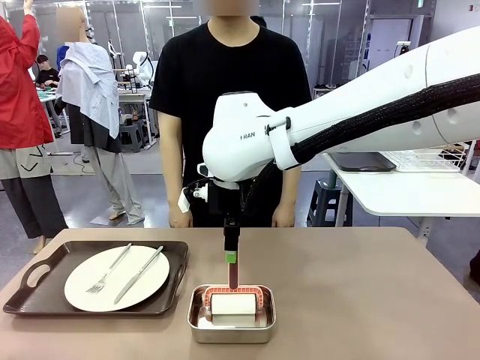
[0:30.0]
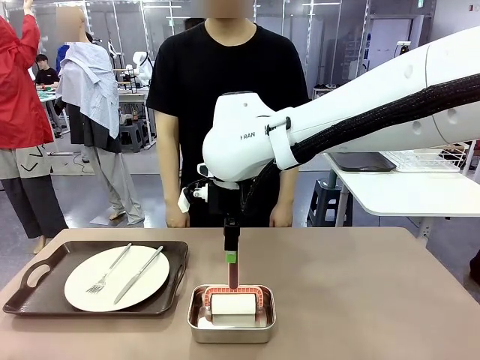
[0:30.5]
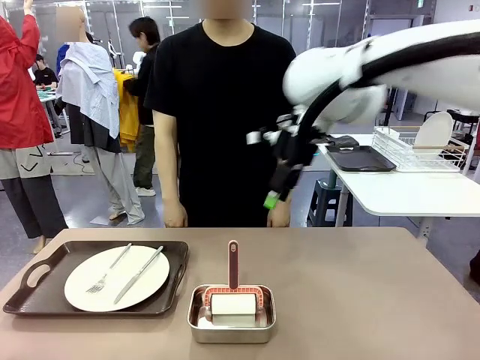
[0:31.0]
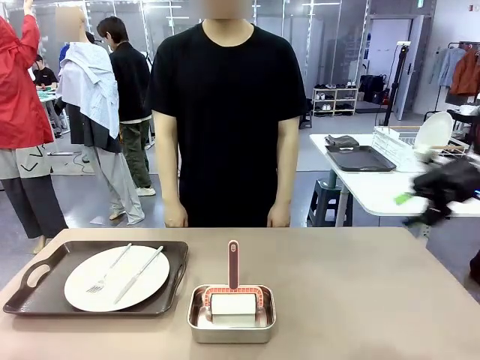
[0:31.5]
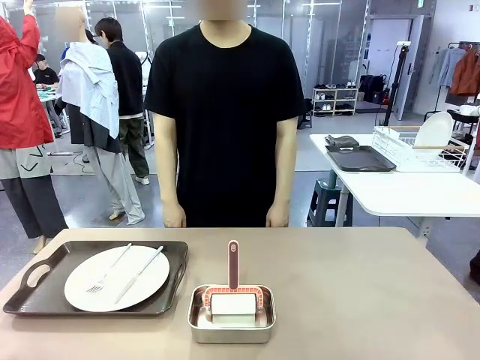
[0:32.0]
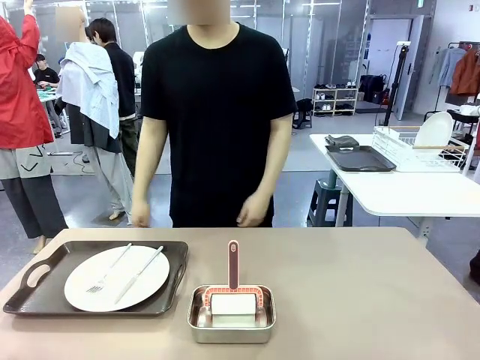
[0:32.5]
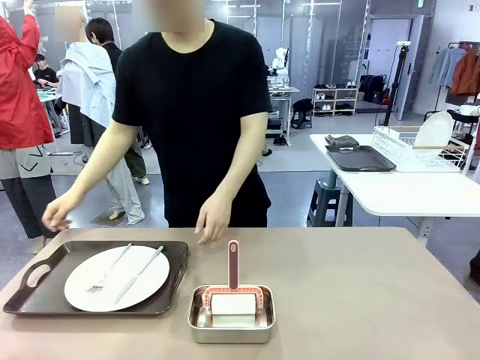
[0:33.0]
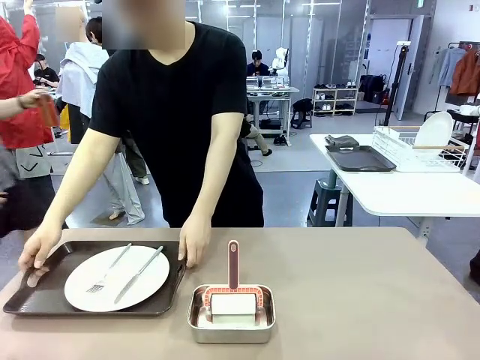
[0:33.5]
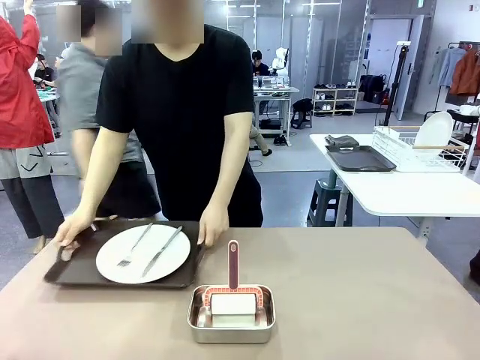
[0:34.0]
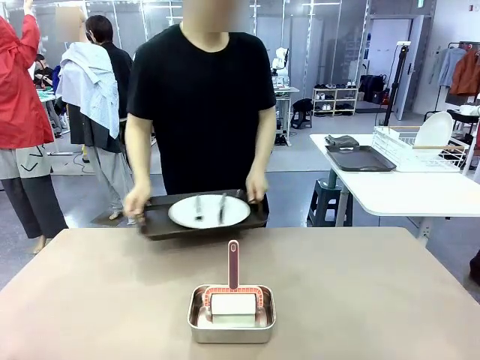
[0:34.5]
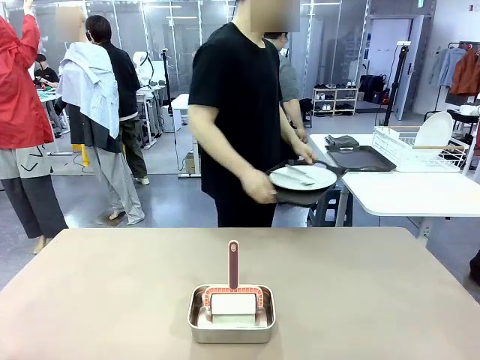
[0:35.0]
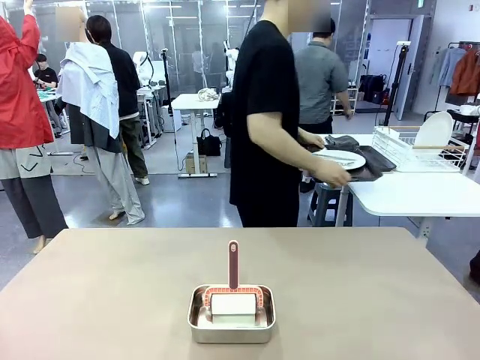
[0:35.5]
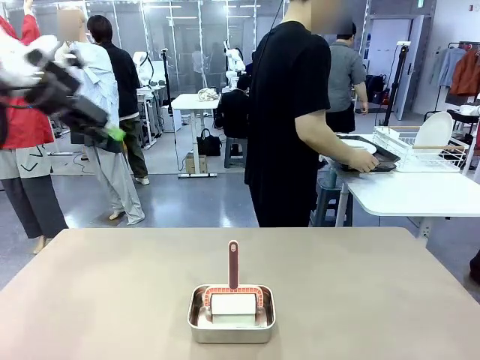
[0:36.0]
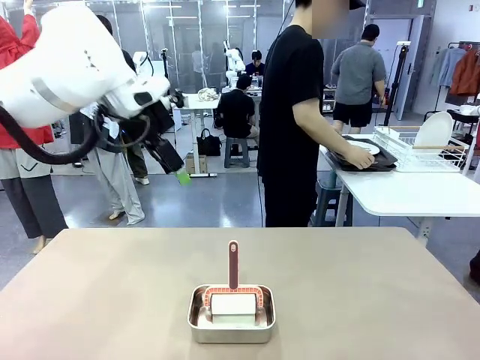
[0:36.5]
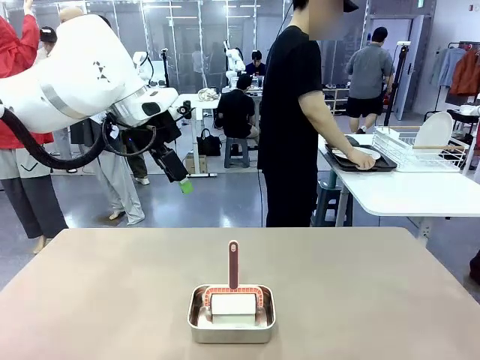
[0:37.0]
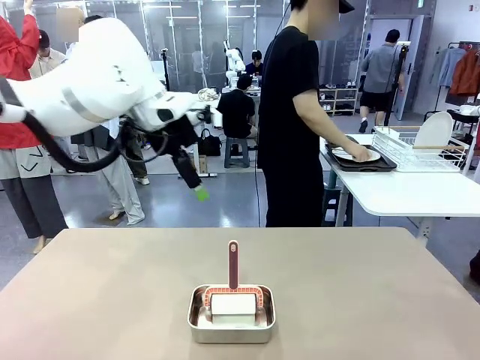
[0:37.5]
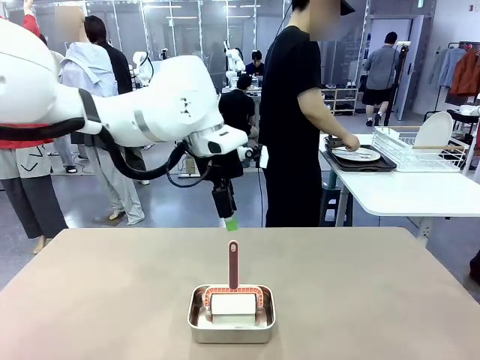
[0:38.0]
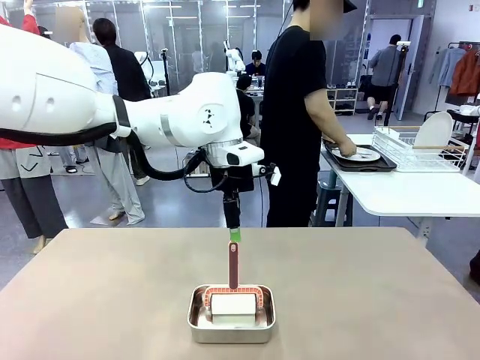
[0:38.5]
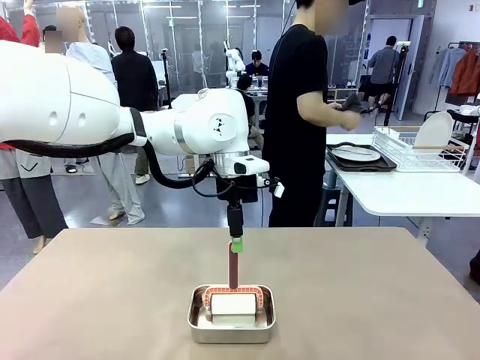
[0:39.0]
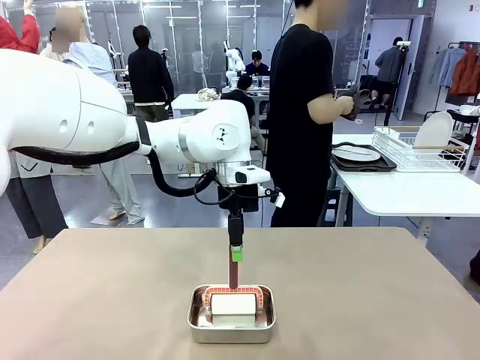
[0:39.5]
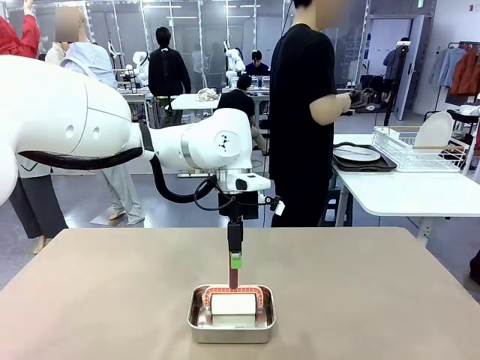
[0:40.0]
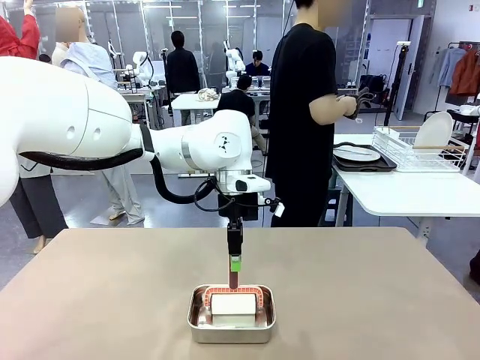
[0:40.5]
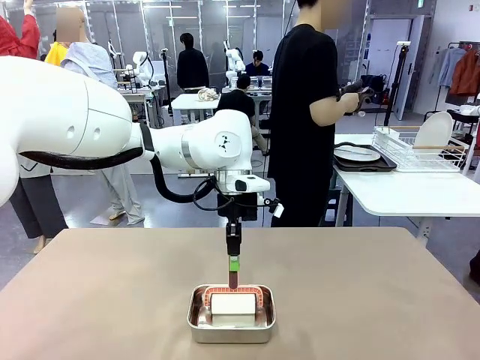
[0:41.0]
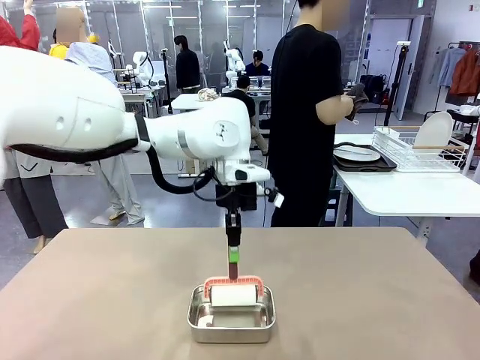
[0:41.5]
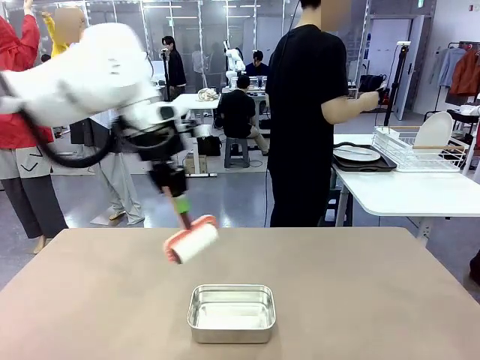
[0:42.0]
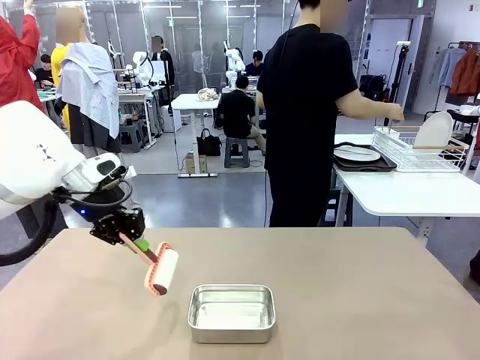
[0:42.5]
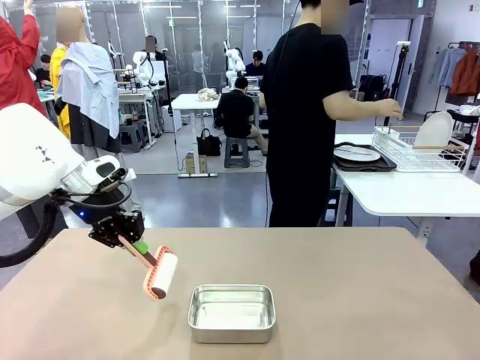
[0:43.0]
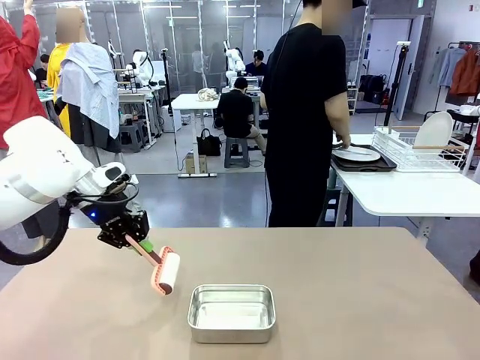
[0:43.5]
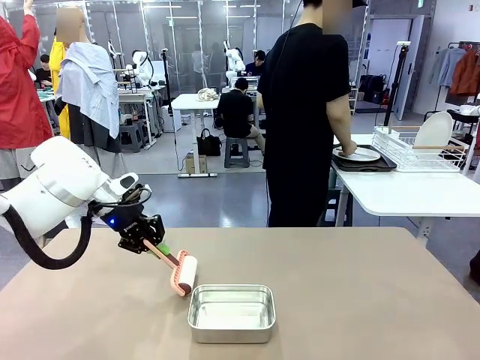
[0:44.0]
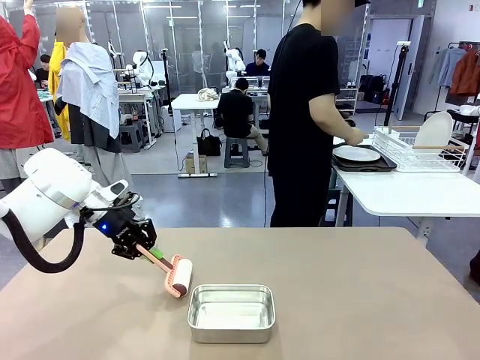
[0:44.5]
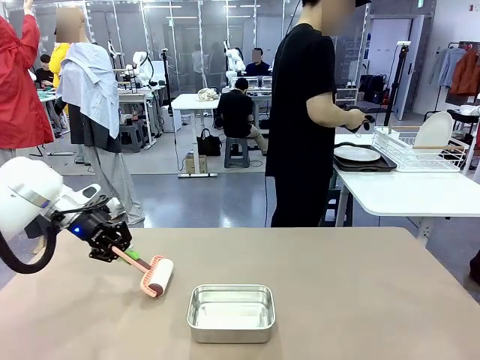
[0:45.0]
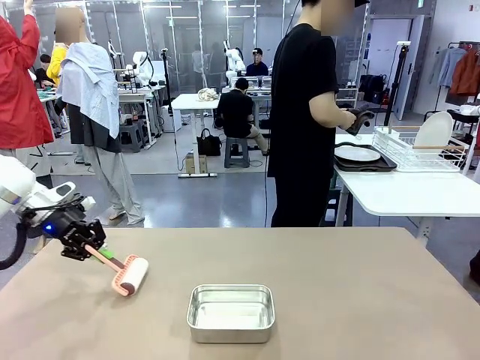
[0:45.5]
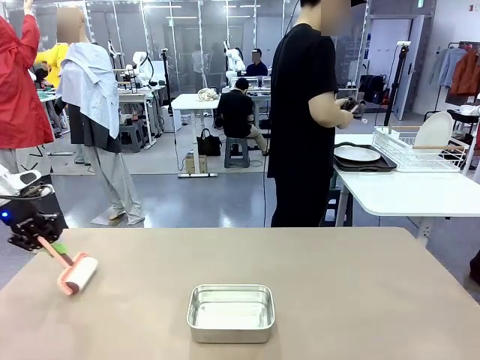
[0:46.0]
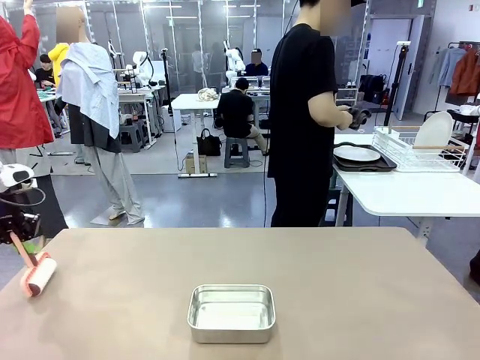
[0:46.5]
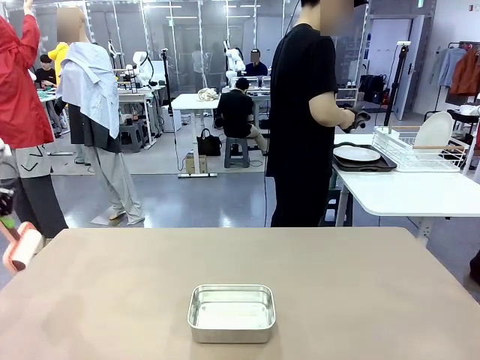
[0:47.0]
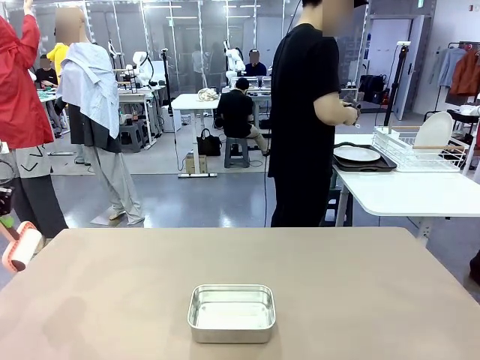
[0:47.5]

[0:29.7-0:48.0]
Robot: When the right (or left) Handle tray is removed, use the right hand (or left hand) to clean the right (or left) side of the table with the Lint Roller.
Person: Pick up the left (or right) Handle tray and place it on the Handle tray.

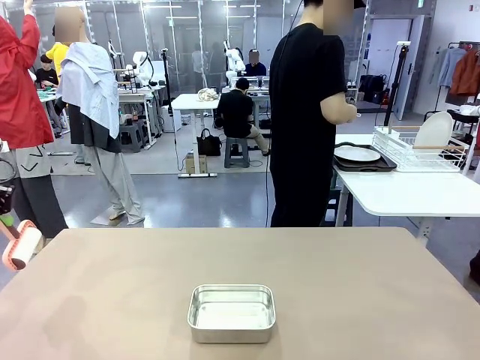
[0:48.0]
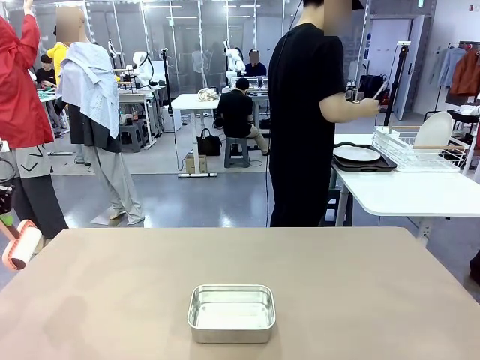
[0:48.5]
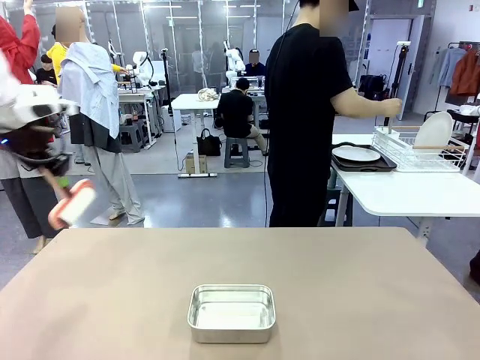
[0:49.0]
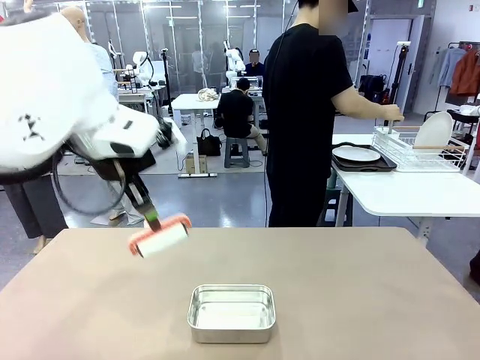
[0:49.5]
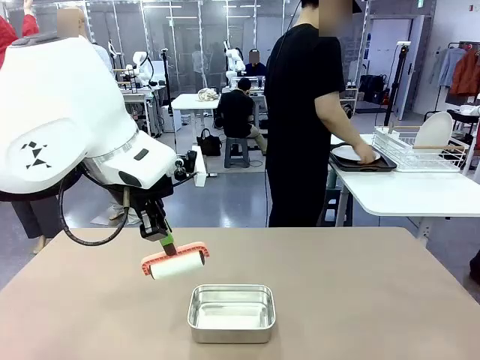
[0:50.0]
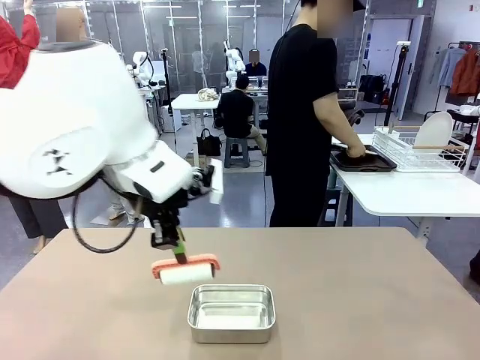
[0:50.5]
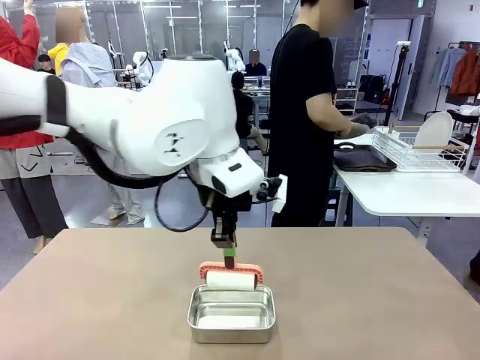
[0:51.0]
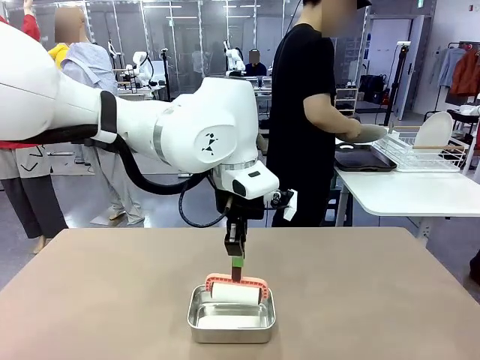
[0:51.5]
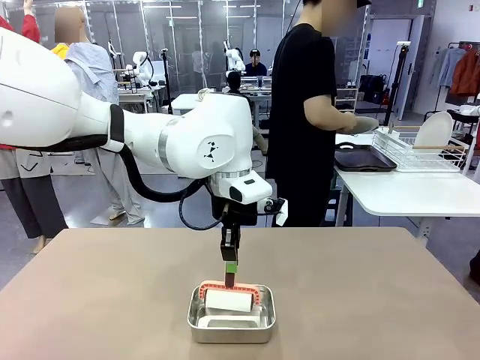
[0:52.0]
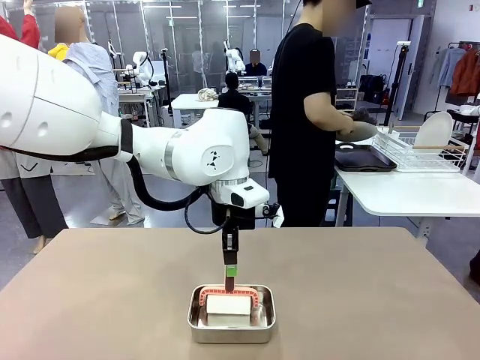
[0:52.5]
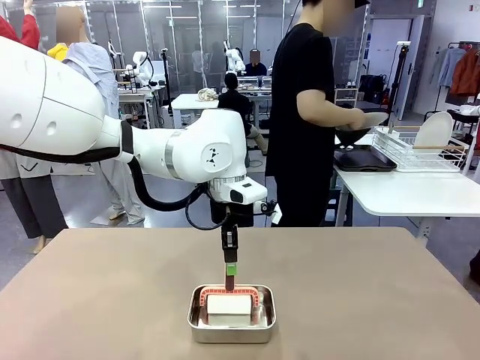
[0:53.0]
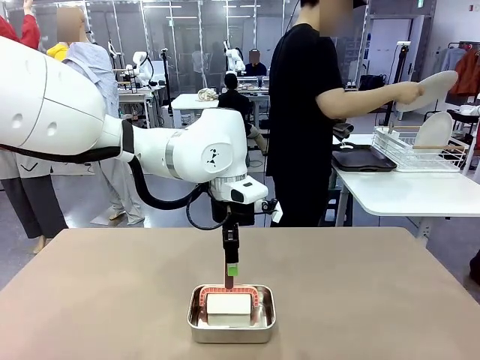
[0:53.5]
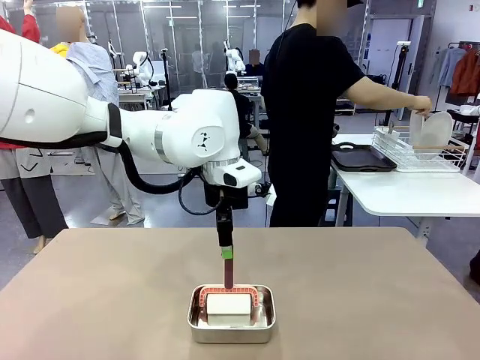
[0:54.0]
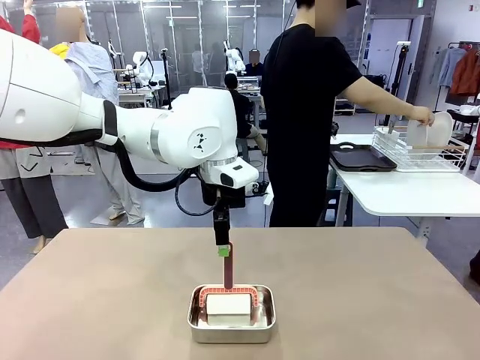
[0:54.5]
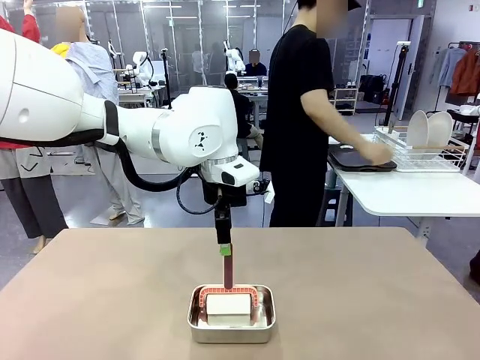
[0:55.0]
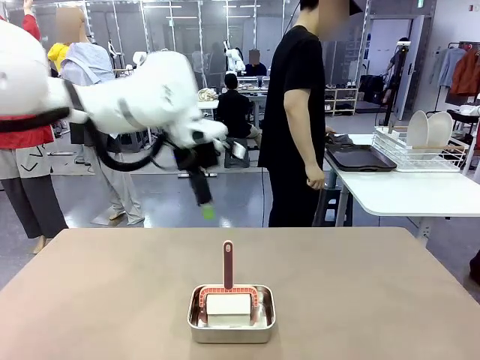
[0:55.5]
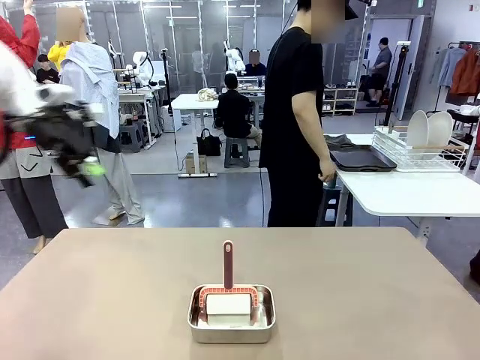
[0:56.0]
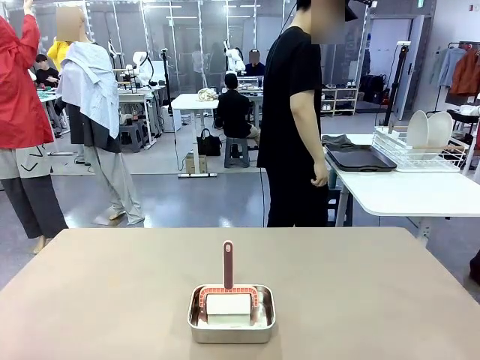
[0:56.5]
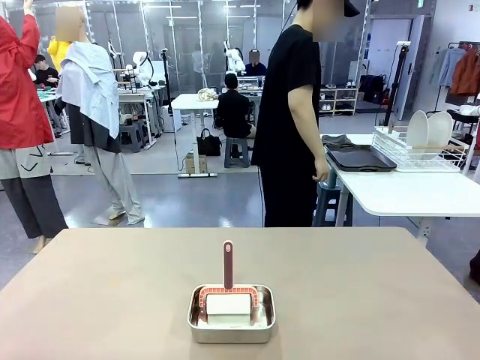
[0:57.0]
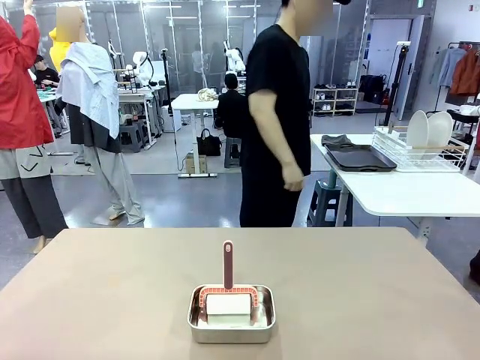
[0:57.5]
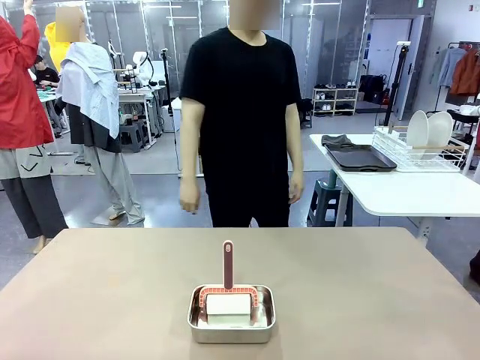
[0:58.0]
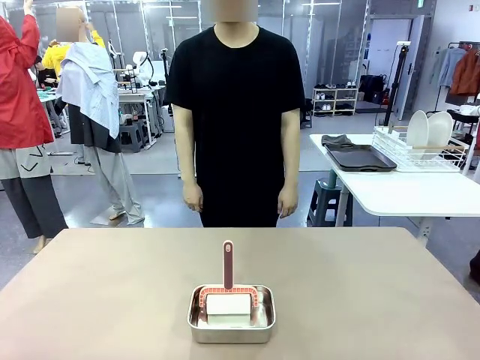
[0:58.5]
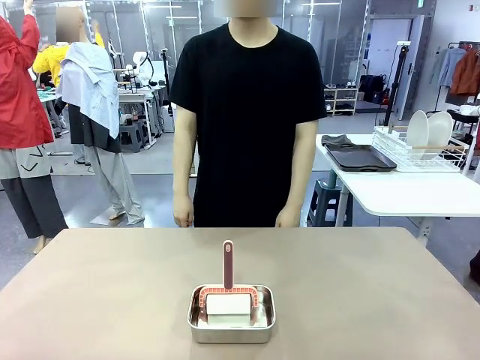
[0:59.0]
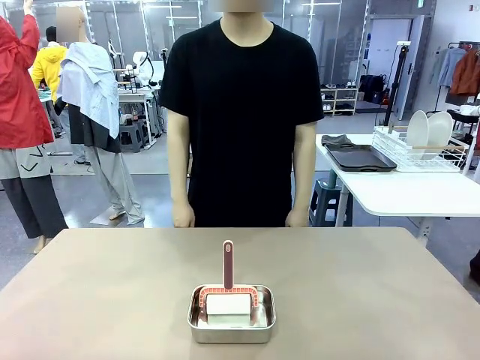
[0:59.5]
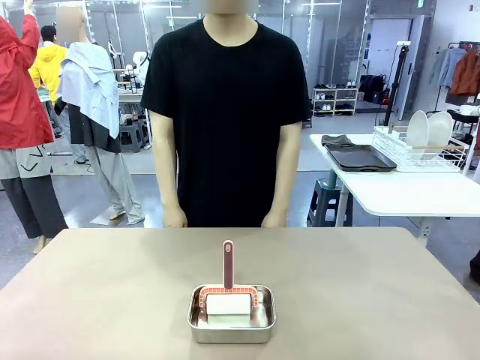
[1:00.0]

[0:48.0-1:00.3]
Robot: Place the Lint Roller back on top of the Airtight Container.
Person: Use the Towel with hook to wipe the Plastic Matte Plate , Fork , and Knife and place into the Dish drying rack.
